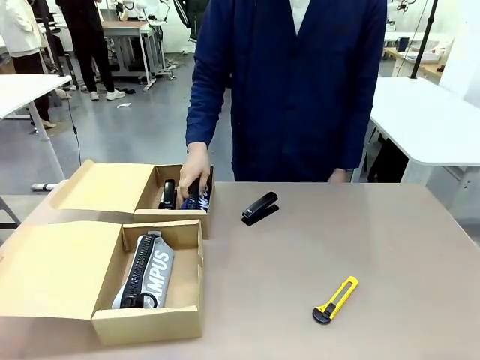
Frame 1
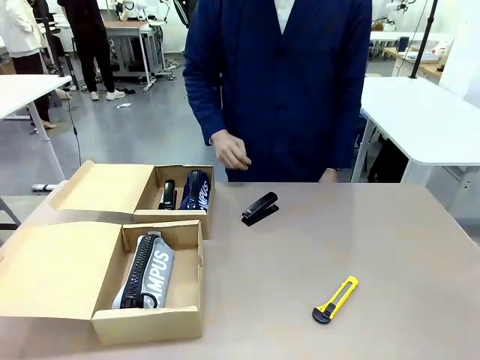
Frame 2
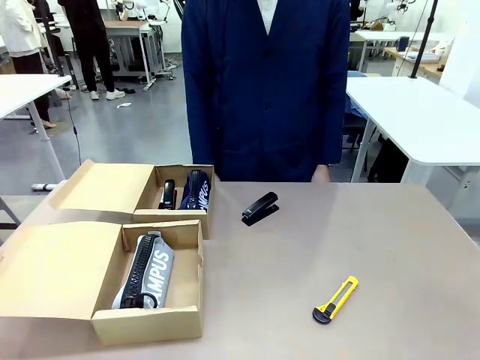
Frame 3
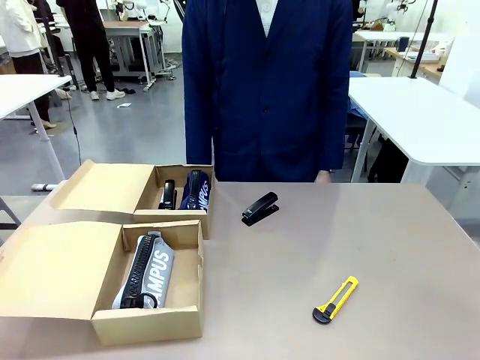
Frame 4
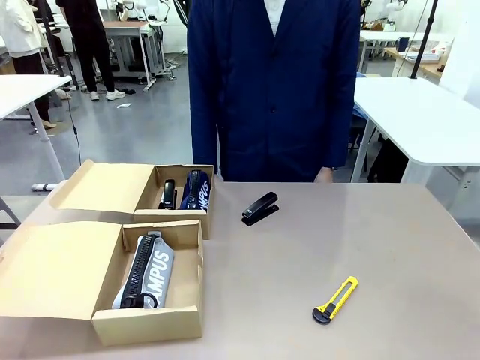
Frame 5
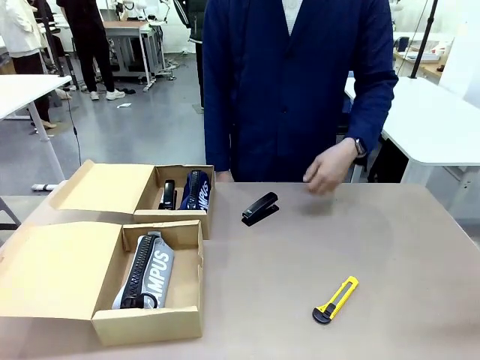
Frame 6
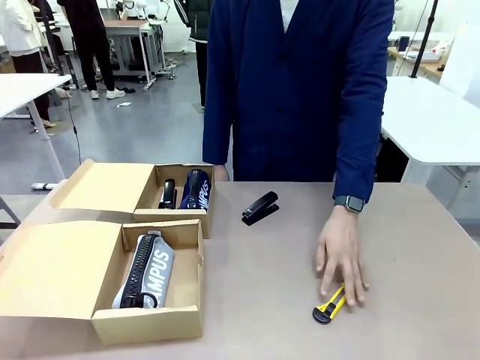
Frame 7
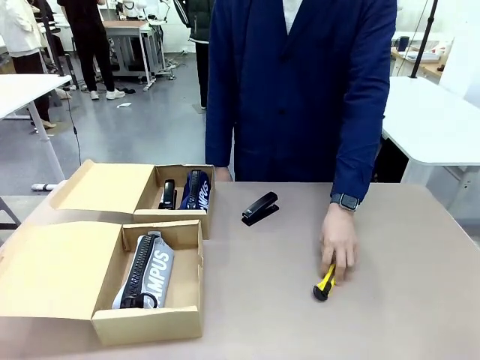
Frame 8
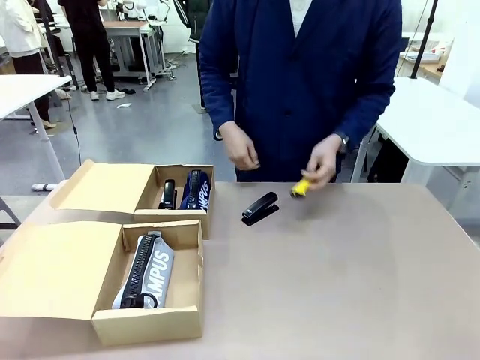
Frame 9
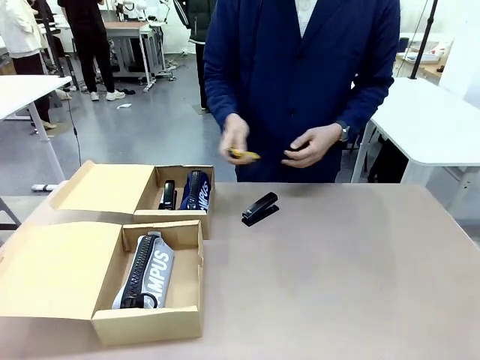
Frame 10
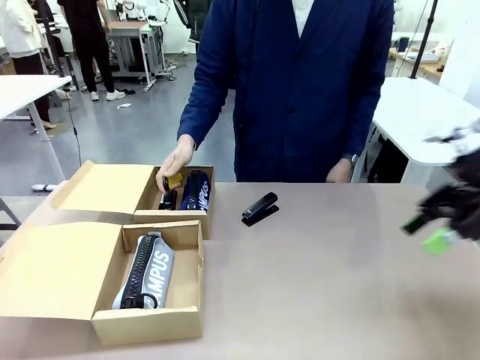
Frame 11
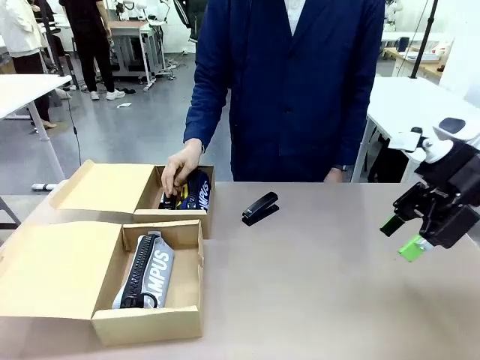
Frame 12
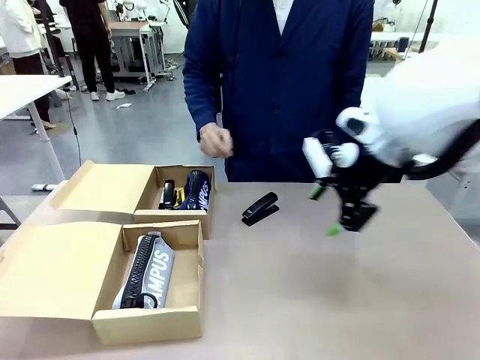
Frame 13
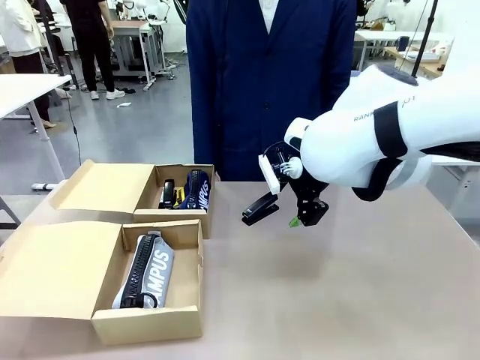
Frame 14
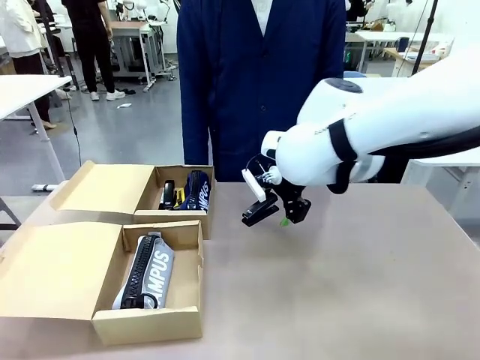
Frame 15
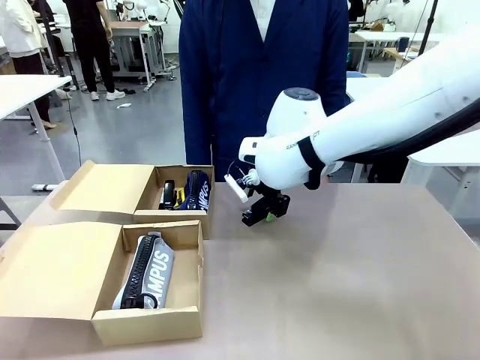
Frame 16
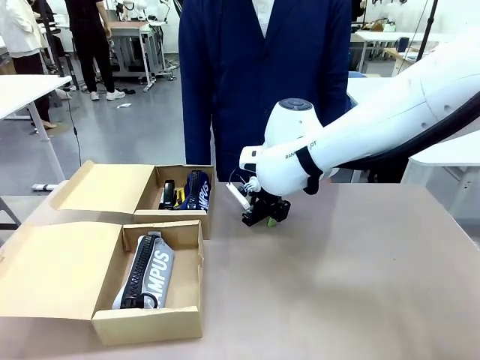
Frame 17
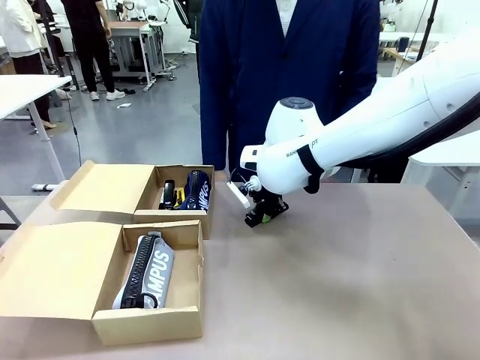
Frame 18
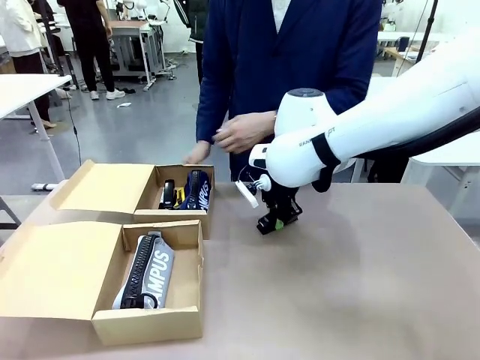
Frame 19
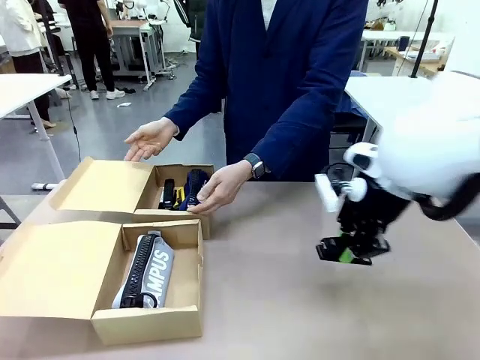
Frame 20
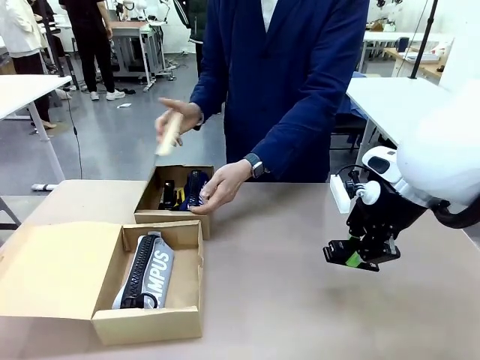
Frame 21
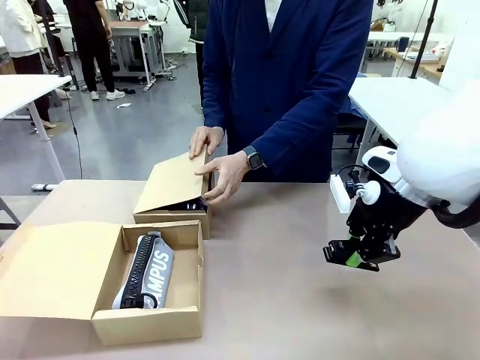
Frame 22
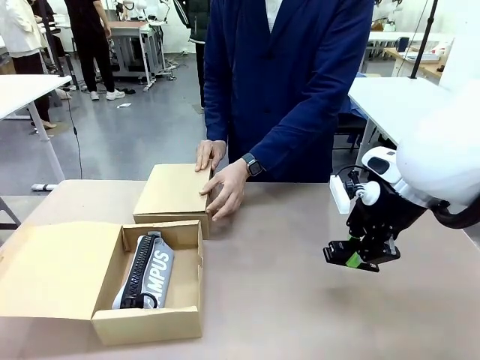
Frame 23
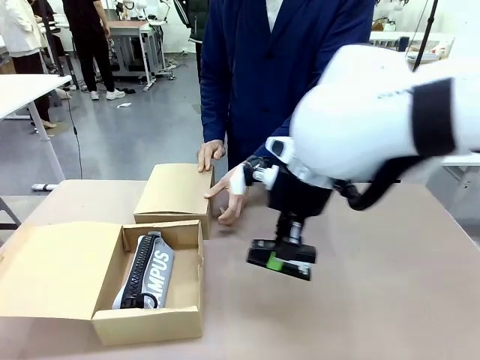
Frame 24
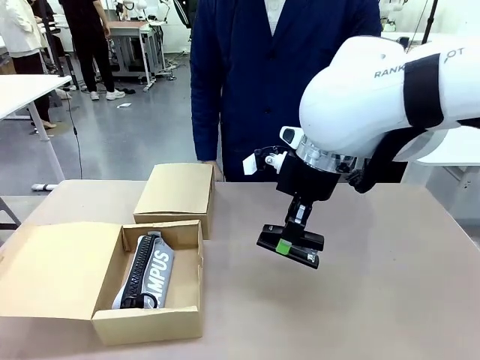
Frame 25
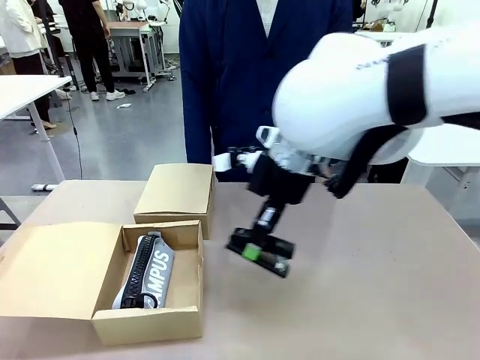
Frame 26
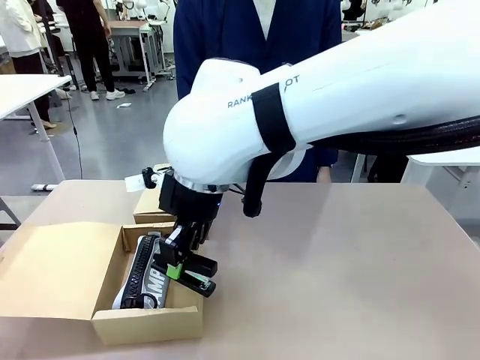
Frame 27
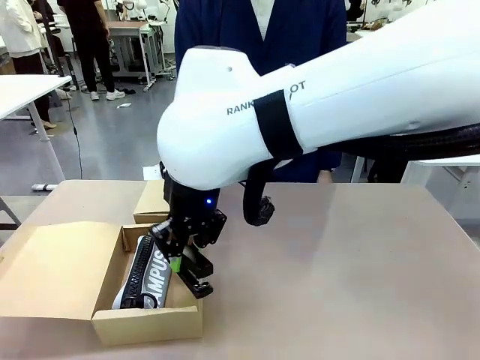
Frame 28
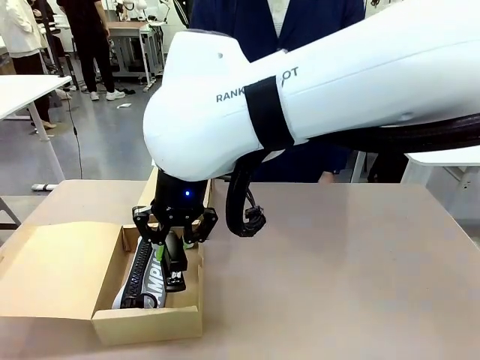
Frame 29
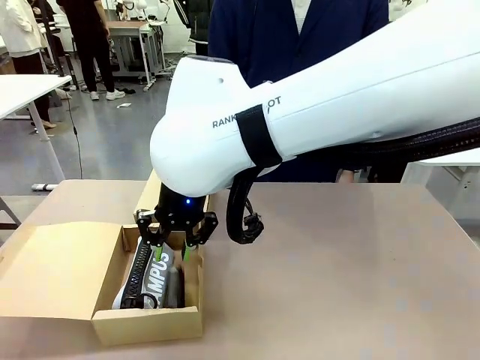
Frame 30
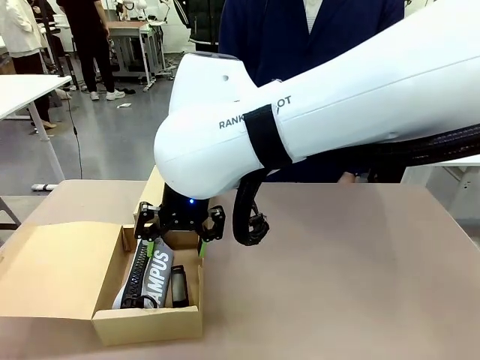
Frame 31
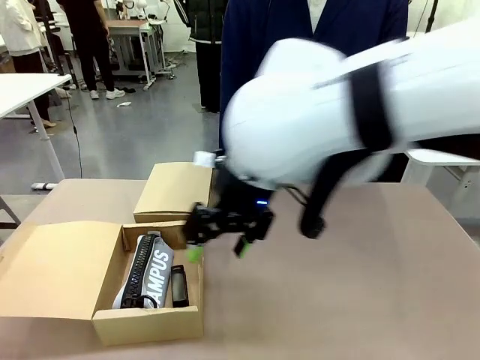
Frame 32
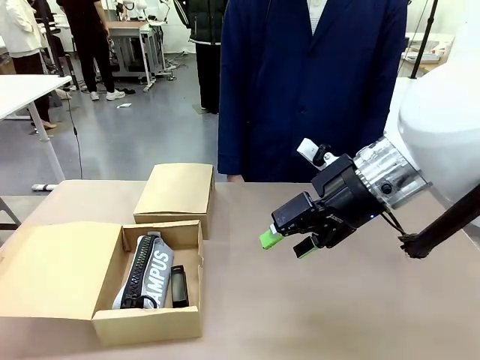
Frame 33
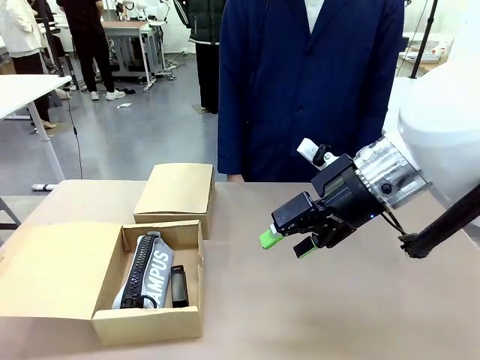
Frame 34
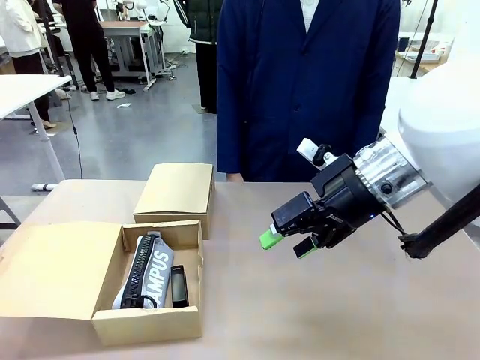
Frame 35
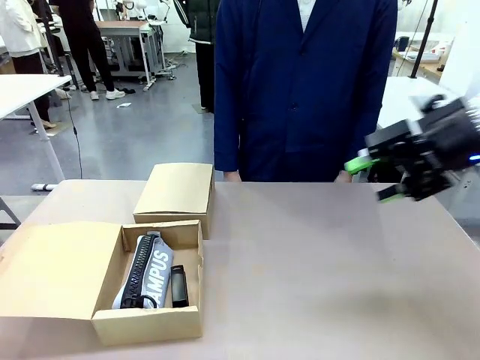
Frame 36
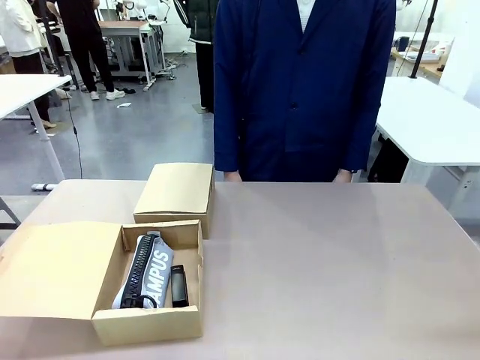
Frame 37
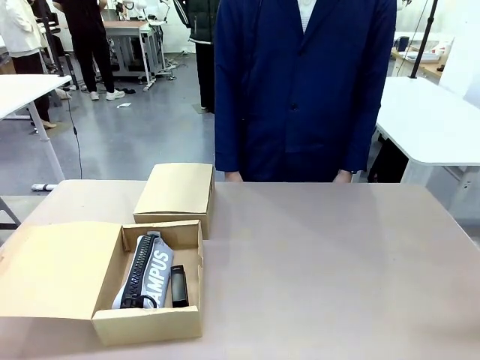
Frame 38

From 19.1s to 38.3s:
Task: Place items inside the box.
Robot: Pick up a Pencil pouch or Stapler and place it inside the Mailer Box closest to the robot.
Person: Close the lid of the box facing the person.

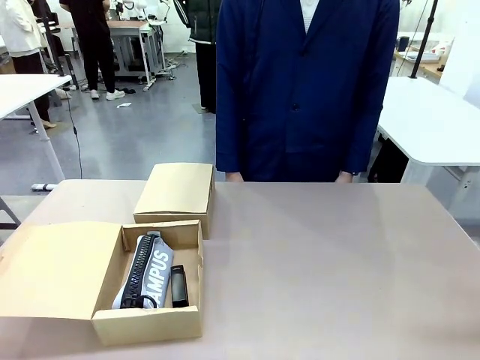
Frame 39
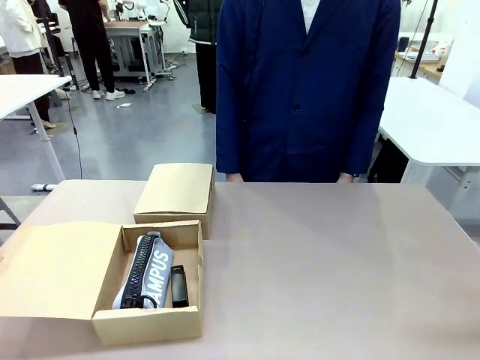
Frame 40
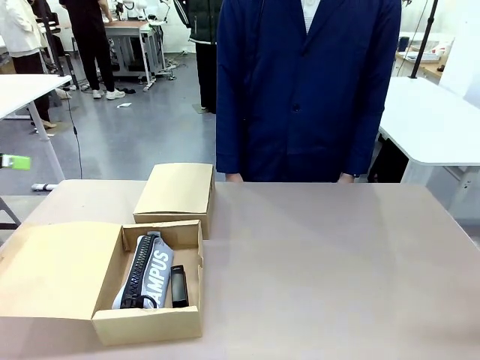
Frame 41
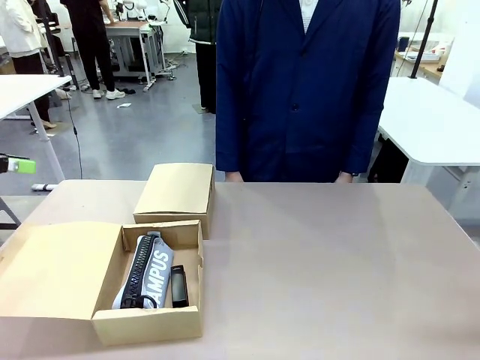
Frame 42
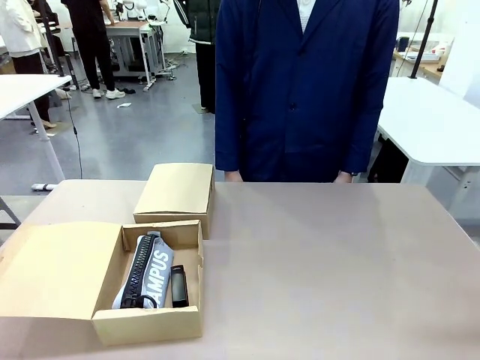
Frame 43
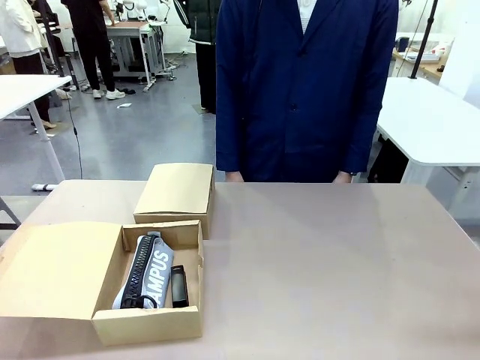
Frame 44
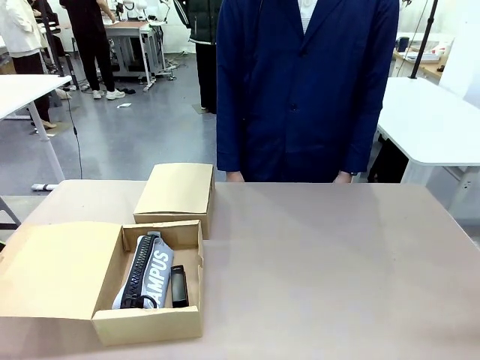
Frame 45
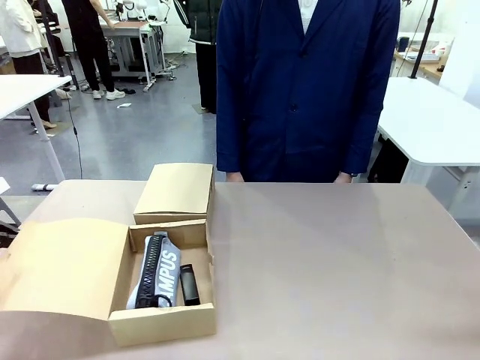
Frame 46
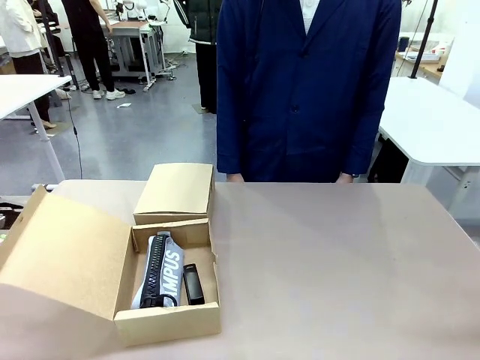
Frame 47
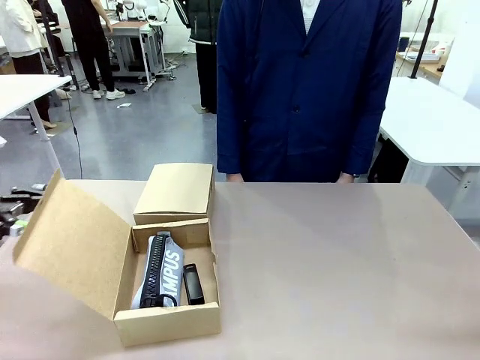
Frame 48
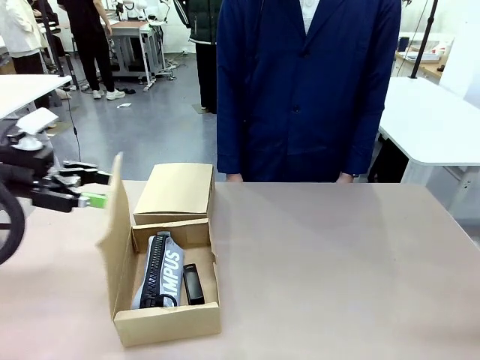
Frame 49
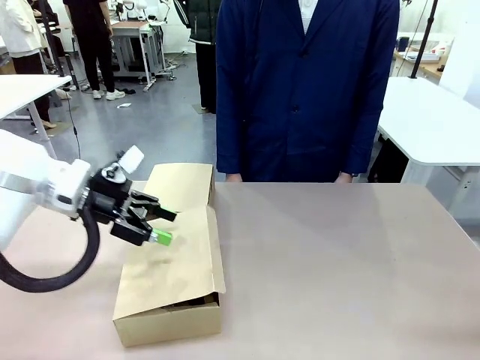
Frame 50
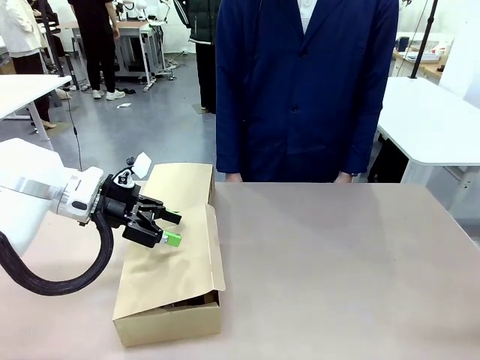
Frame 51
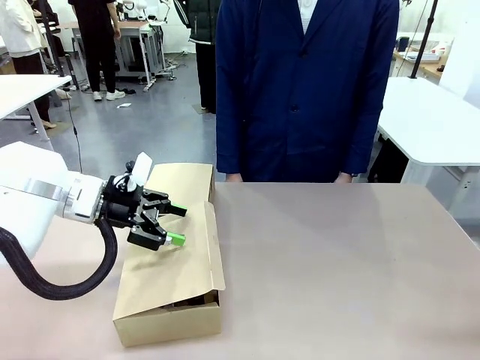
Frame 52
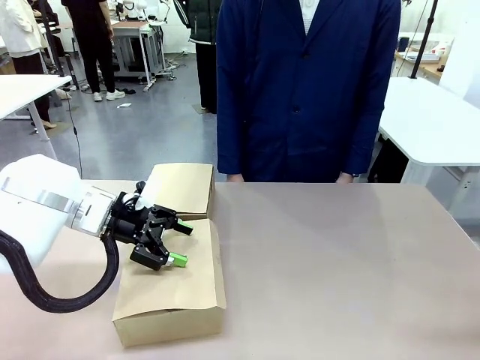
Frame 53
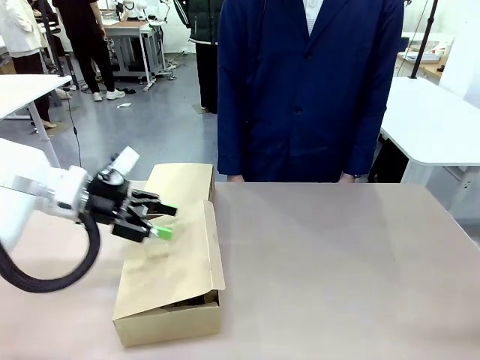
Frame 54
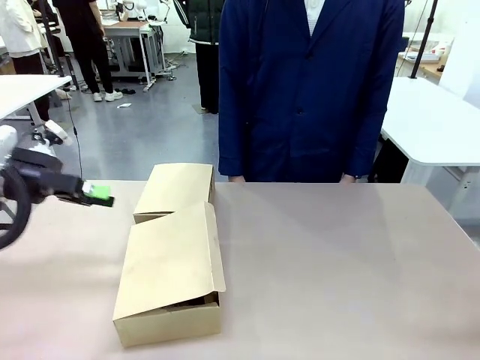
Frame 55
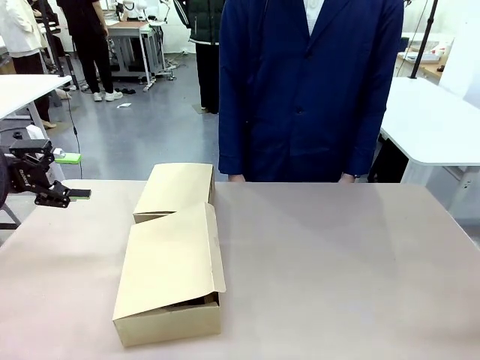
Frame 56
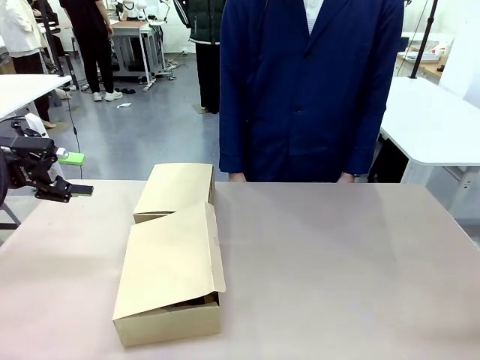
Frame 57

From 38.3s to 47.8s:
Robot: Close the lid of the Mailer Box closest to the robot.
